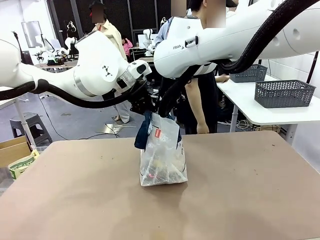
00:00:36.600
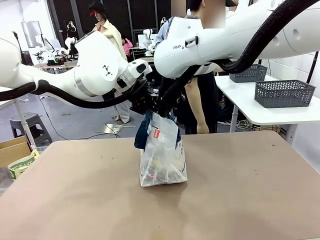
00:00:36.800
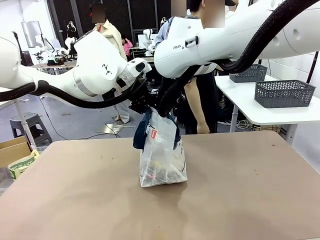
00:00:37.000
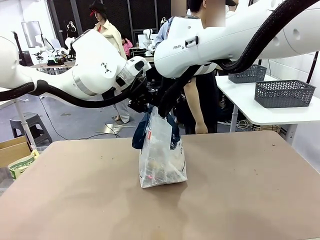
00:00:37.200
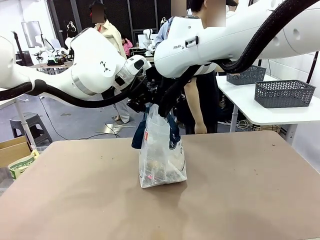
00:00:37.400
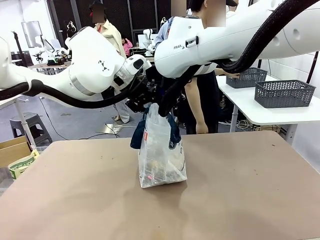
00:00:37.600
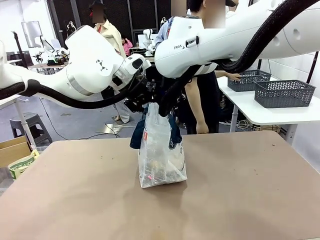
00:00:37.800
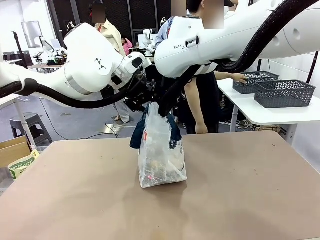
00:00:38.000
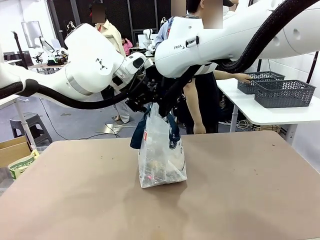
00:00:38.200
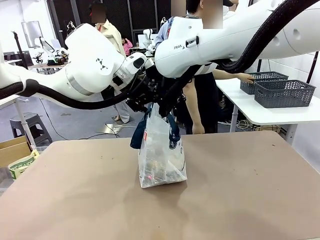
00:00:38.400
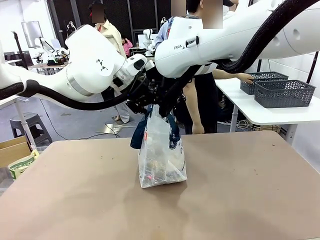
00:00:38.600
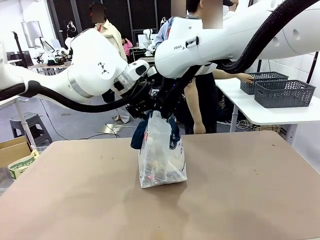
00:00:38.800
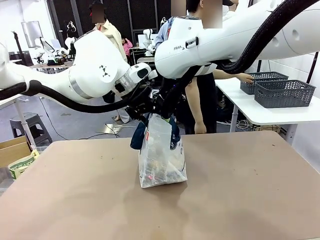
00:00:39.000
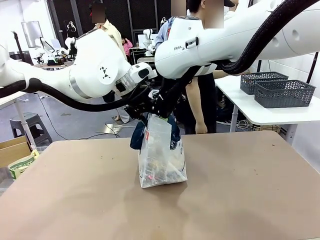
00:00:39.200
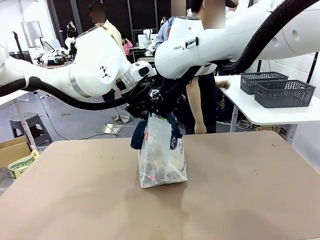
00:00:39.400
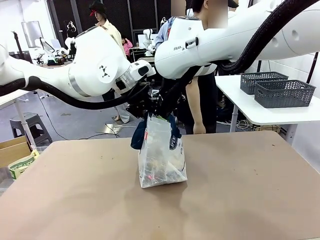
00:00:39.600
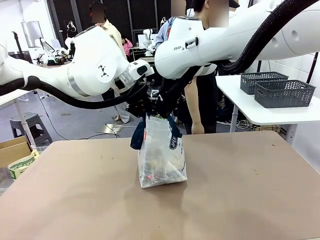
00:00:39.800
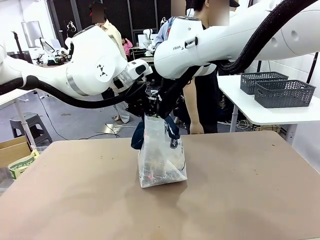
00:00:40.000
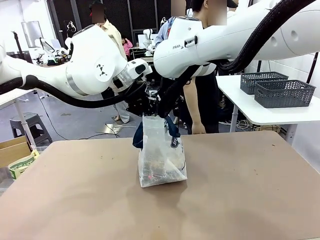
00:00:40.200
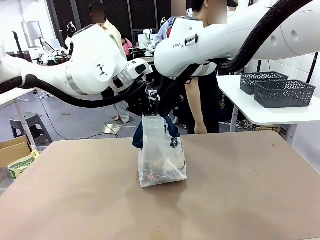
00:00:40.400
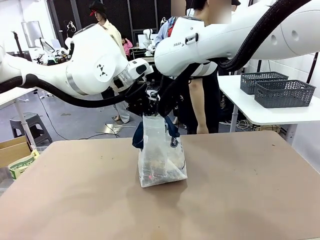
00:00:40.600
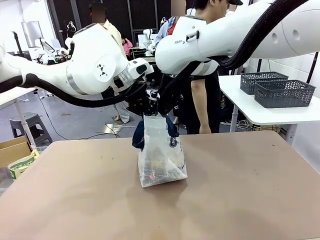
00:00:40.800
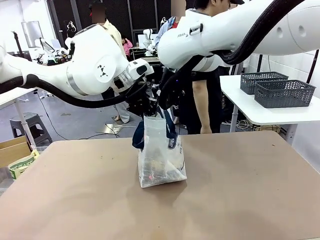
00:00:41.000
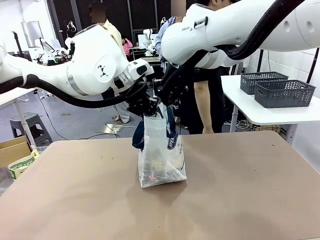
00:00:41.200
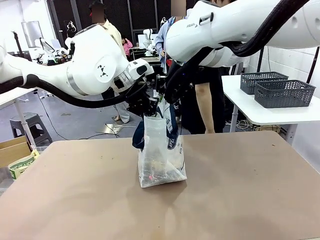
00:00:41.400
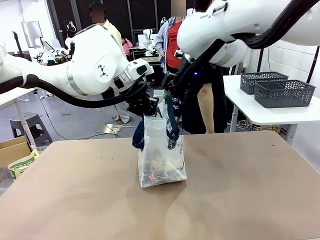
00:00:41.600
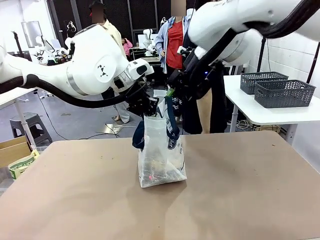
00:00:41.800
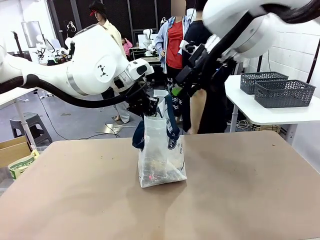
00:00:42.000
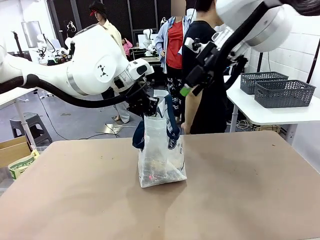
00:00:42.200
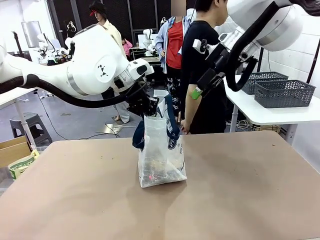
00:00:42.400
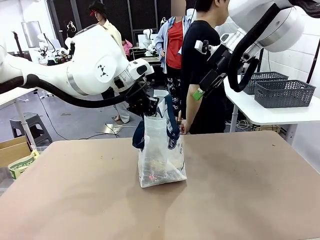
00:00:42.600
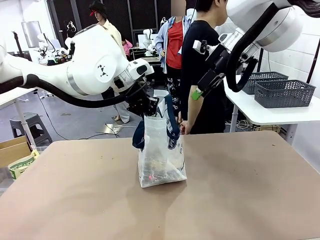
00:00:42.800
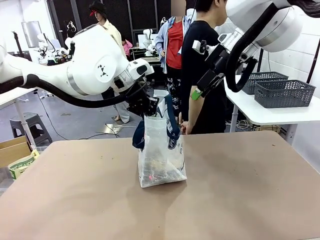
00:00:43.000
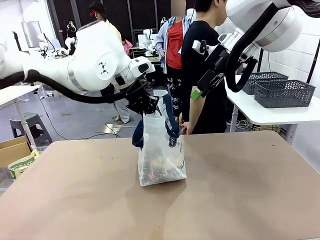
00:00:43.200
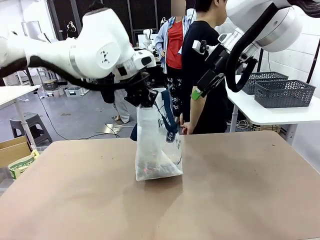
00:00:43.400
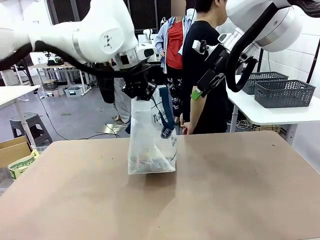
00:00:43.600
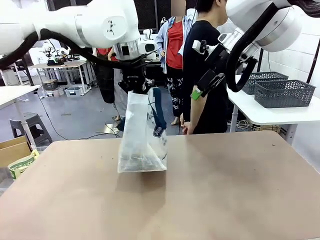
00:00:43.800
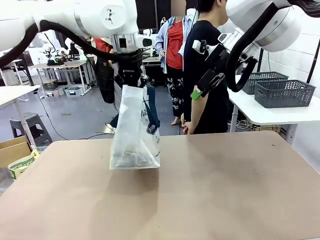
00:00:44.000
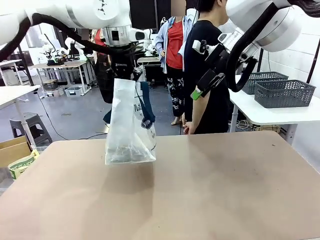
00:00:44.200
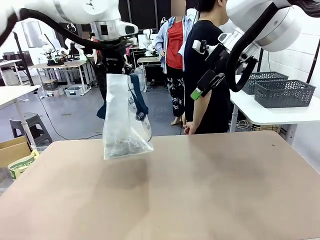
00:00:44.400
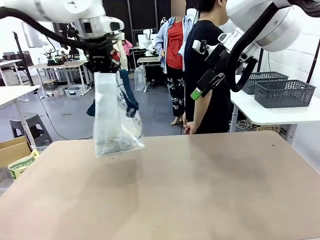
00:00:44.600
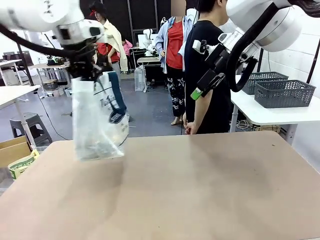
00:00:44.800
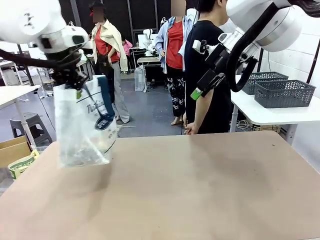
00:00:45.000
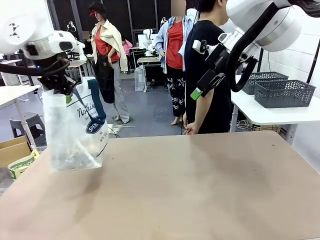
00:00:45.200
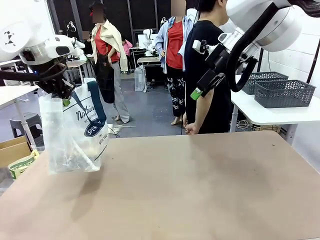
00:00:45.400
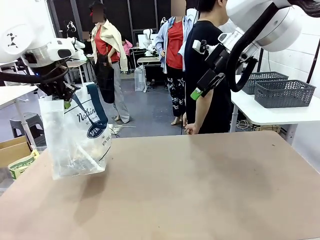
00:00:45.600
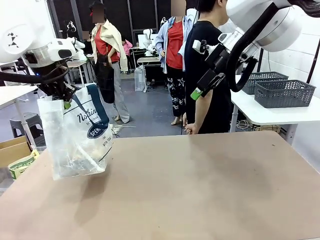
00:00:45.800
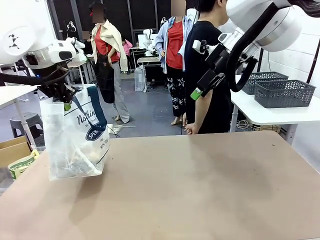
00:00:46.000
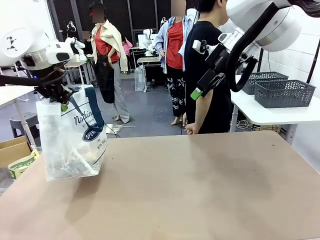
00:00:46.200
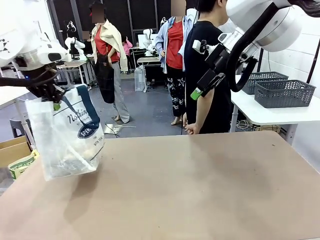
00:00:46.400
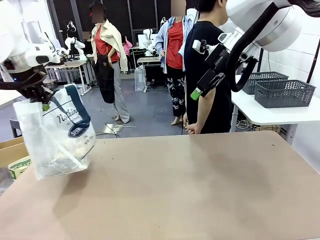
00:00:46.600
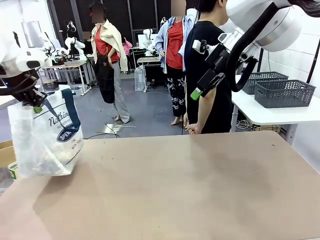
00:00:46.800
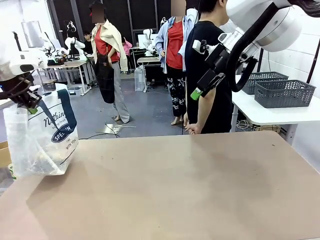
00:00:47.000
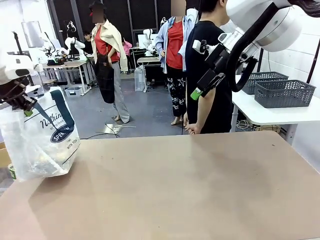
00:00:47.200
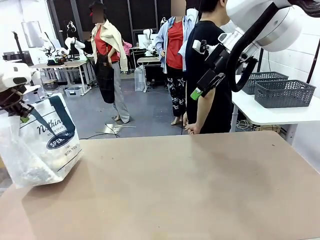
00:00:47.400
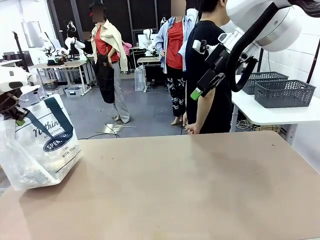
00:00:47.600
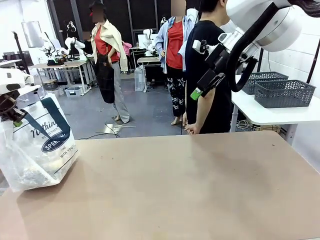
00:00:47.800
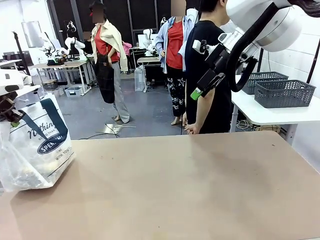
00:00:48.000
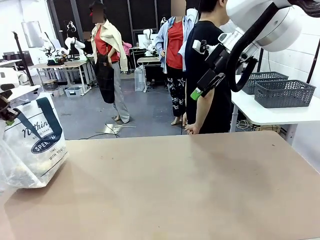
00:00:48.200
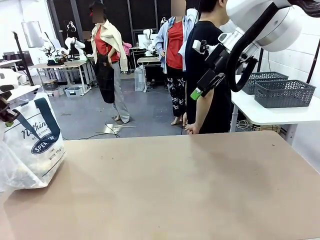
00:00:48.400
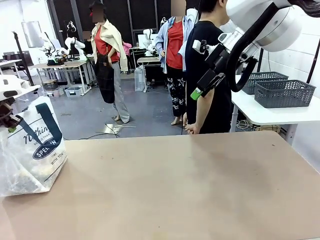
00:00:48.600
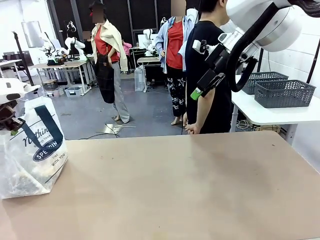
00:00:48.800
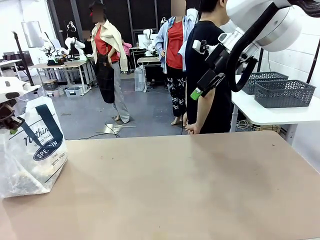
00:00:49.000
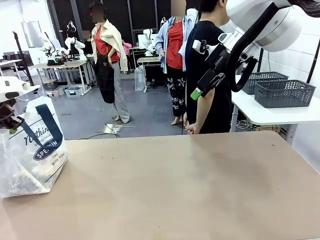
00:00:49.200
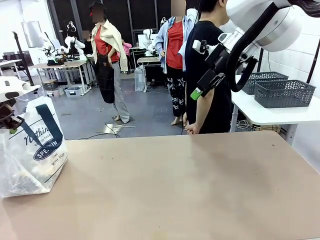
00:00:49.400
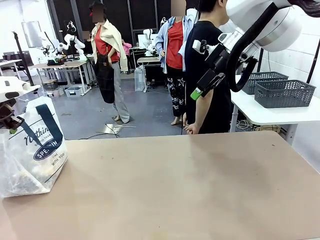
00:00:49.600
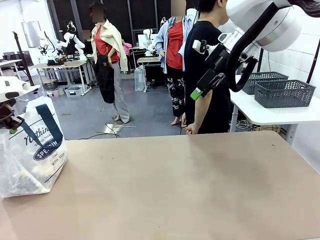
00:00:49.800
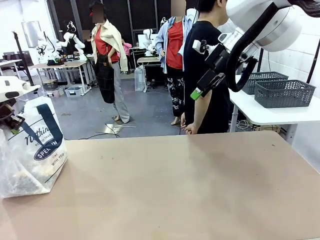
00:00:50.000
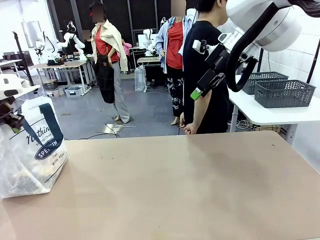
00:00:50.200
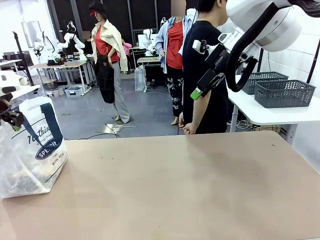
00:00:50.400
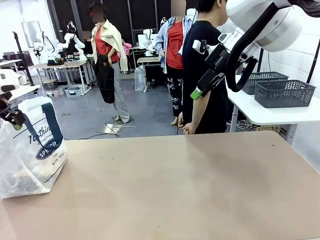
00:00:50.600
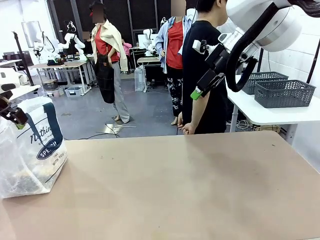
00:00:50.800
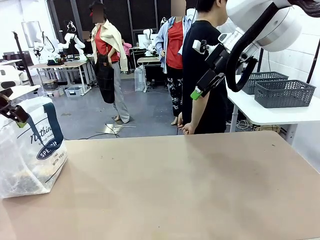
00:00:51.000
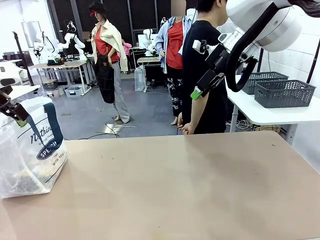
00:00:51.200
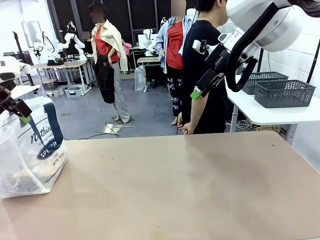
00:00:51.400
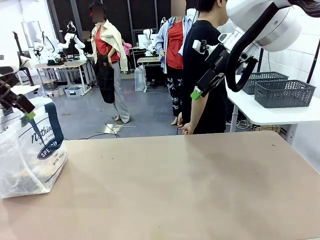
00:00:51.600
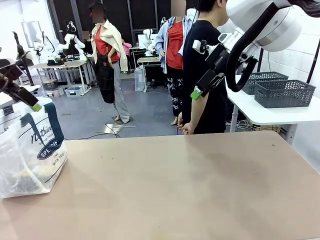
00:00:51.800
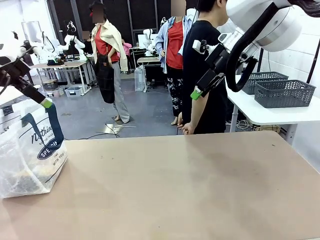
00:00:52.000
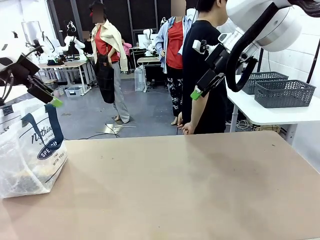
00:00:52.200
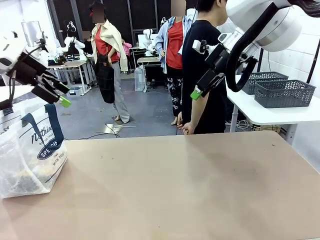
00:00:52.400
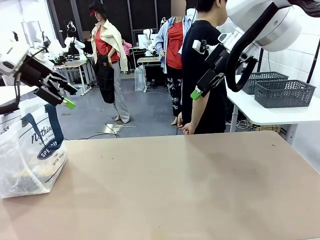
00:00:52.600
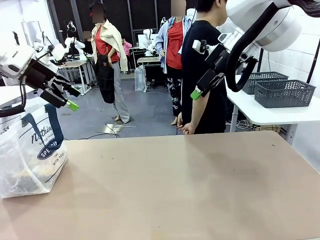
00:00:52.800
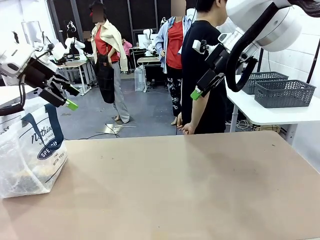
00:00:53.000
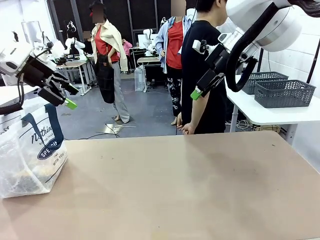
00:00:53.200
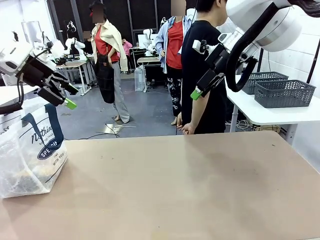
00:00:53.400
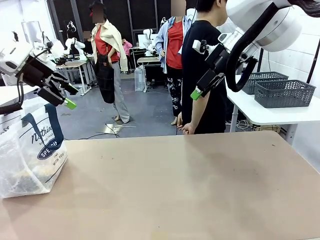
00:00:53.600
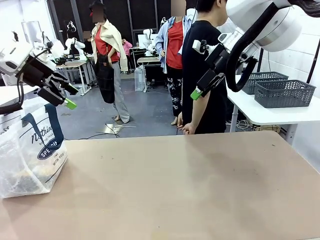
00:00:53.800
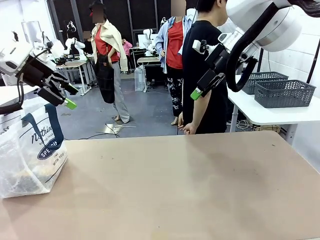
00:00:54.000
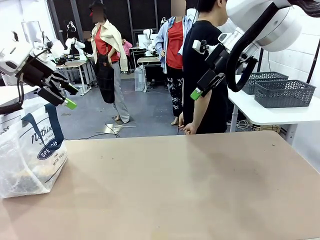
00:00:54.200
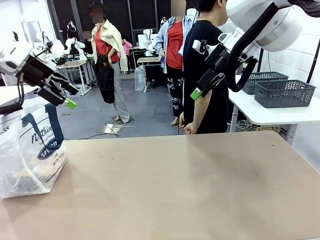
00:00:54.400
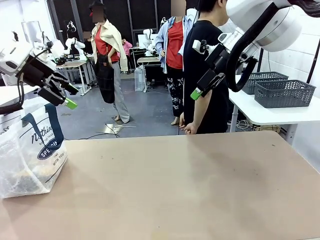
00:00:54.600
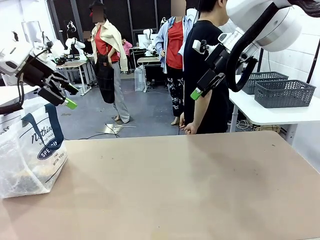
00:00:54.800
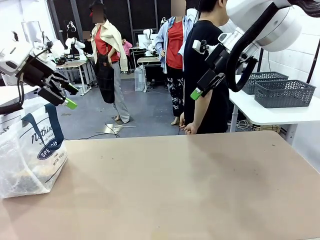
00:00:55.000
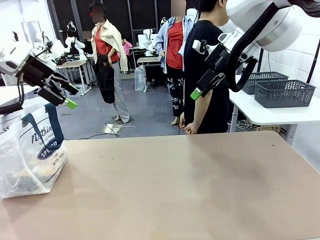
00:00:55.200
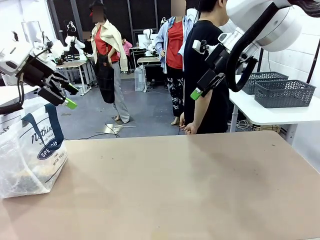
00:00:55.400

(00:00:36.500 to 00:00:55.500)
Task: Transfer purchased items from the store into the shopping bag.
Robot: Move the Reusable shopping bag to the right side of the table.
Person: Move the basket on the left to the middle of the person's table.
